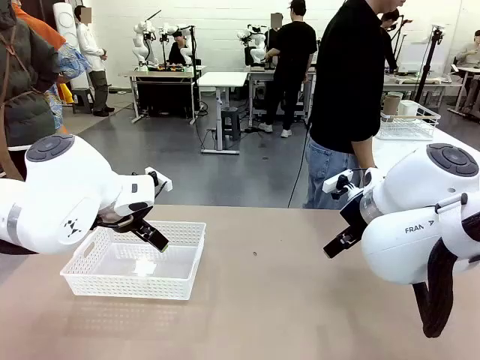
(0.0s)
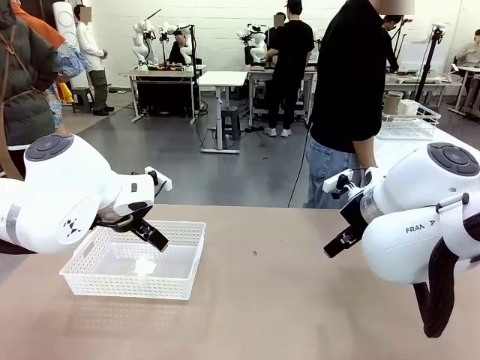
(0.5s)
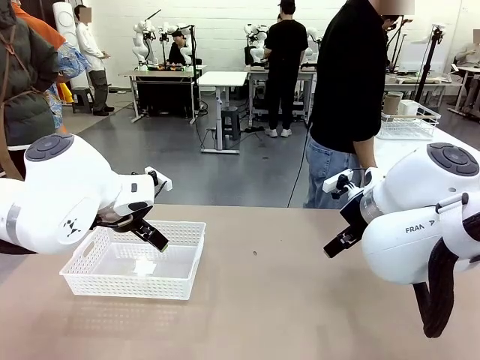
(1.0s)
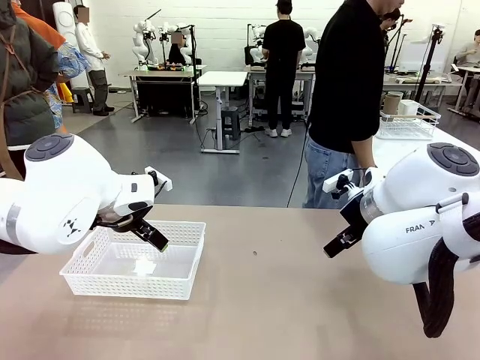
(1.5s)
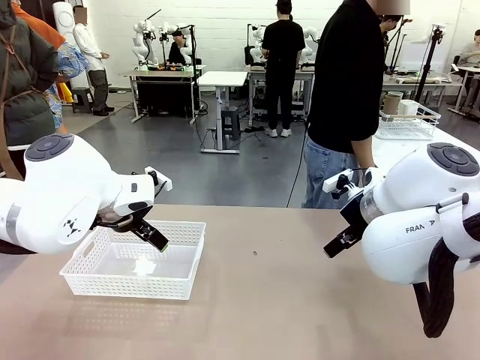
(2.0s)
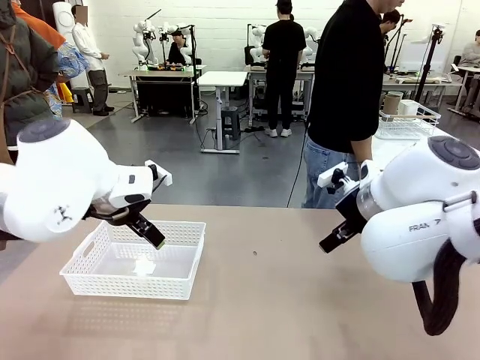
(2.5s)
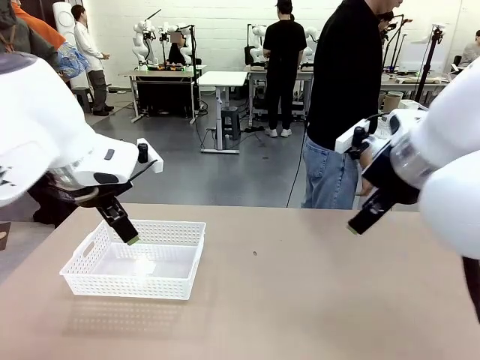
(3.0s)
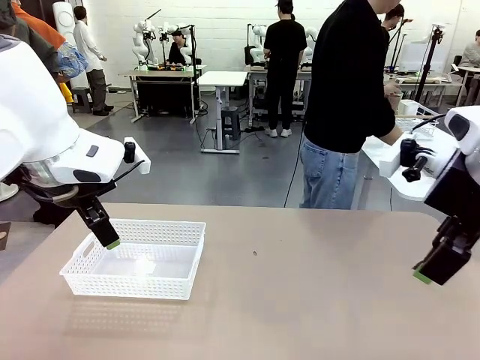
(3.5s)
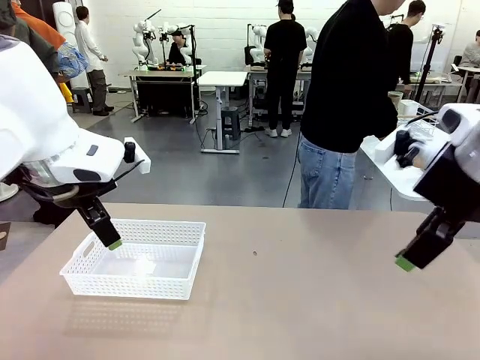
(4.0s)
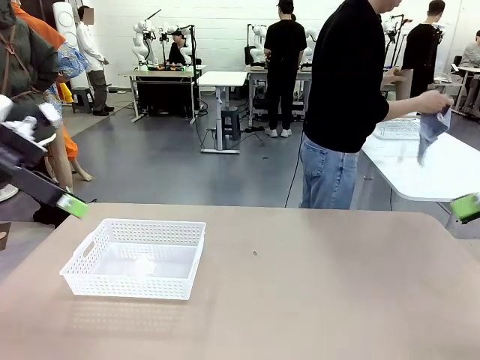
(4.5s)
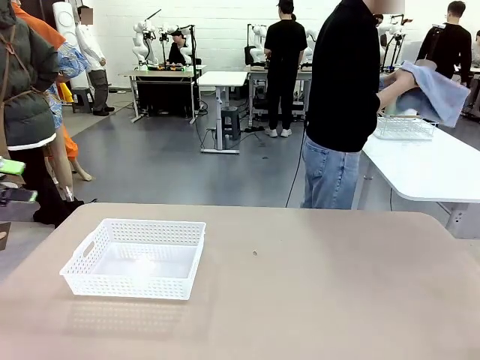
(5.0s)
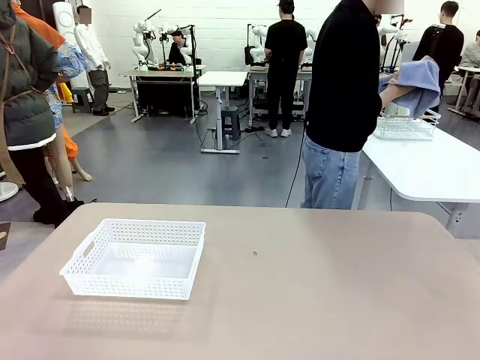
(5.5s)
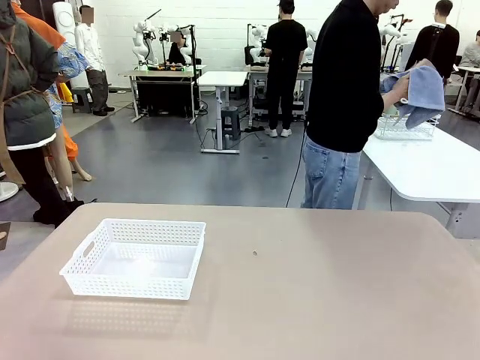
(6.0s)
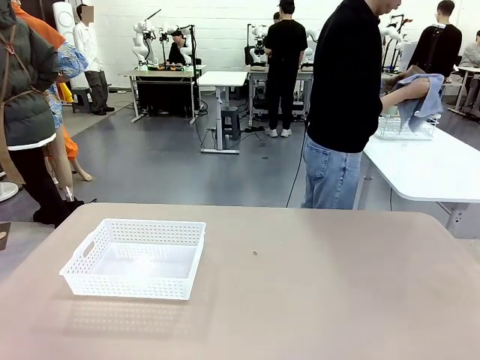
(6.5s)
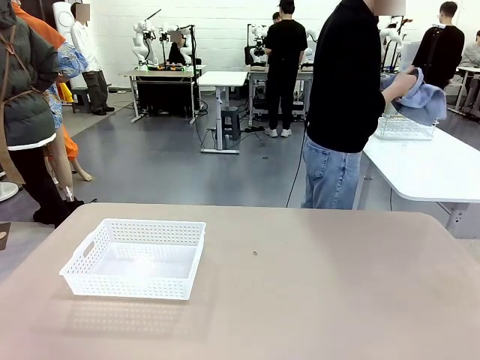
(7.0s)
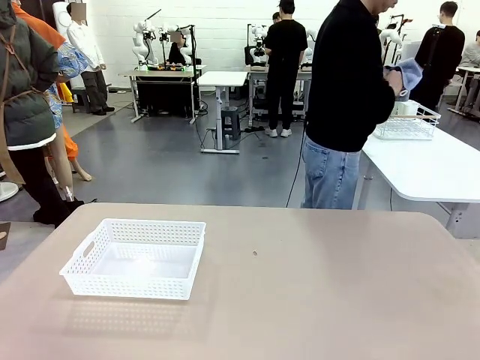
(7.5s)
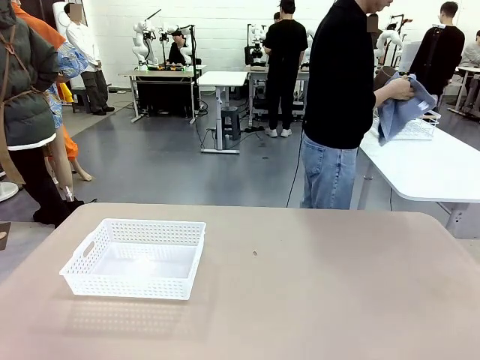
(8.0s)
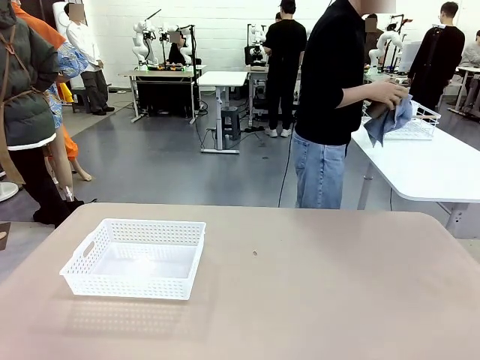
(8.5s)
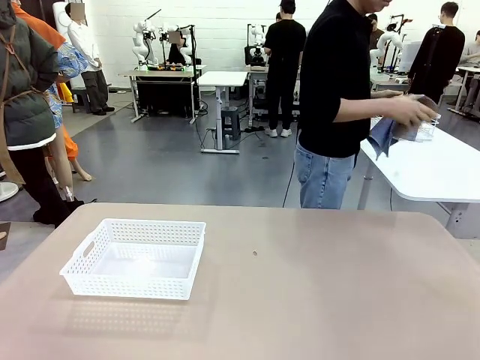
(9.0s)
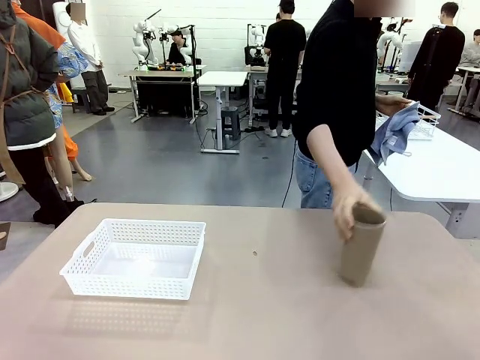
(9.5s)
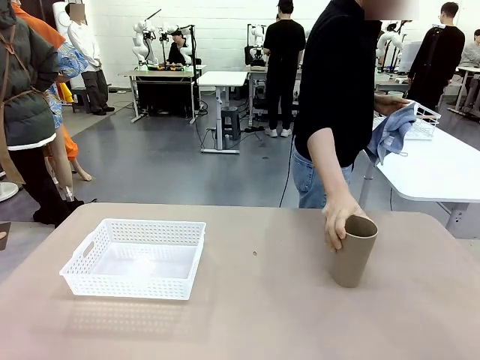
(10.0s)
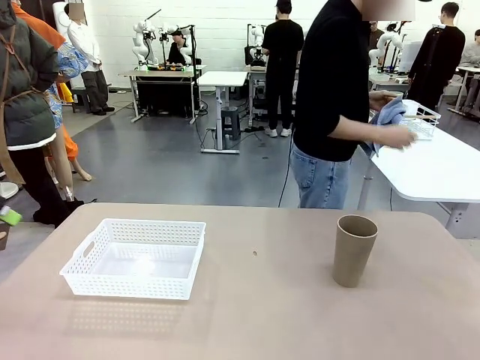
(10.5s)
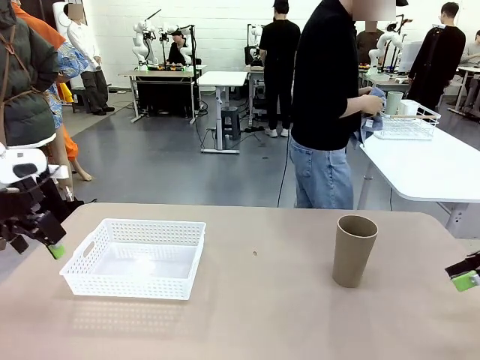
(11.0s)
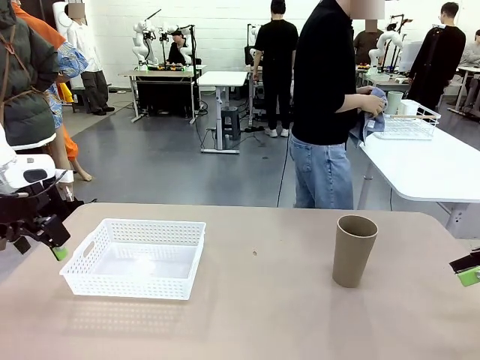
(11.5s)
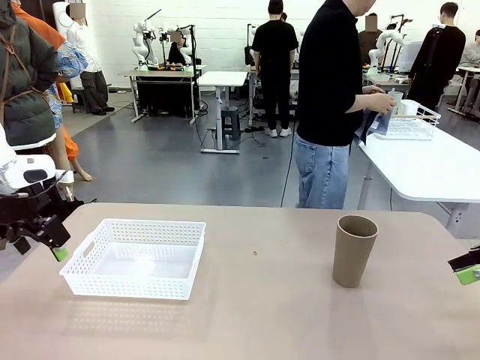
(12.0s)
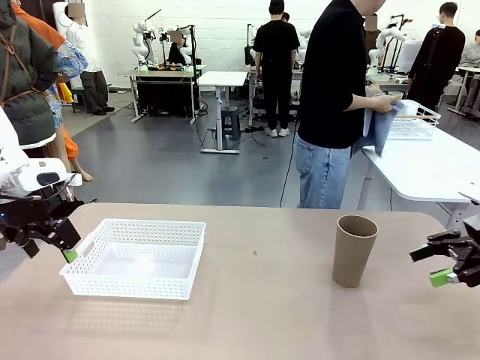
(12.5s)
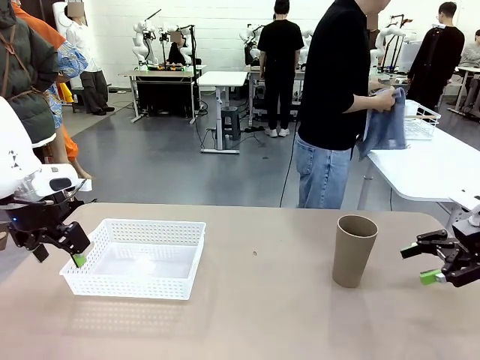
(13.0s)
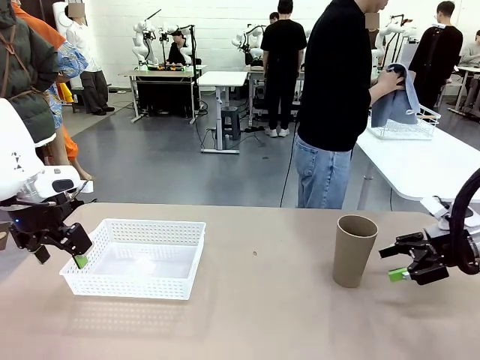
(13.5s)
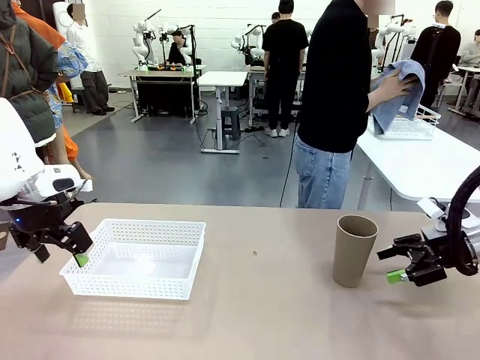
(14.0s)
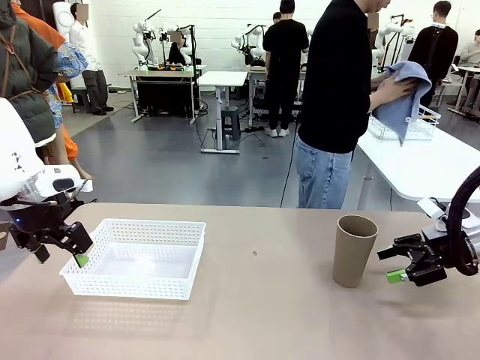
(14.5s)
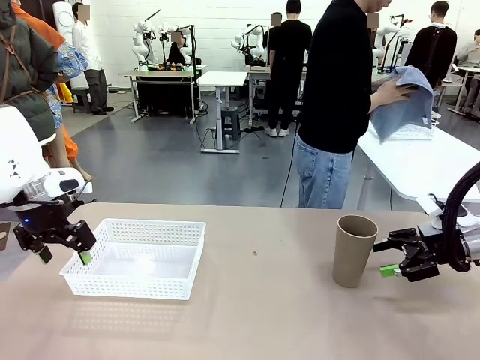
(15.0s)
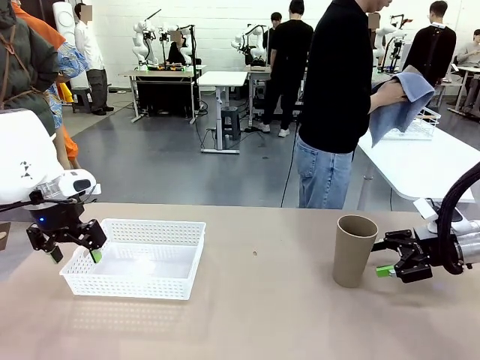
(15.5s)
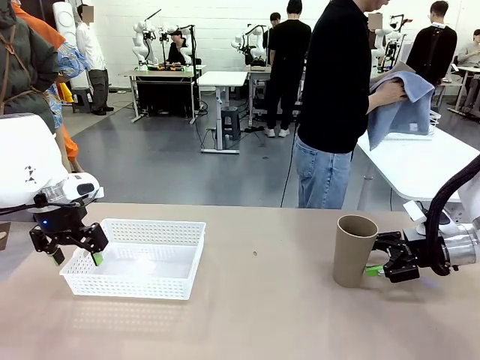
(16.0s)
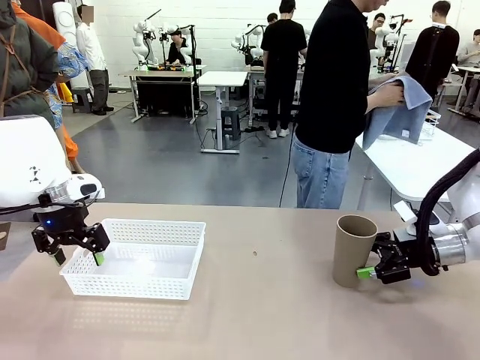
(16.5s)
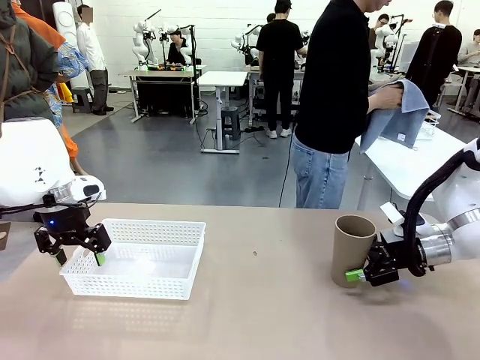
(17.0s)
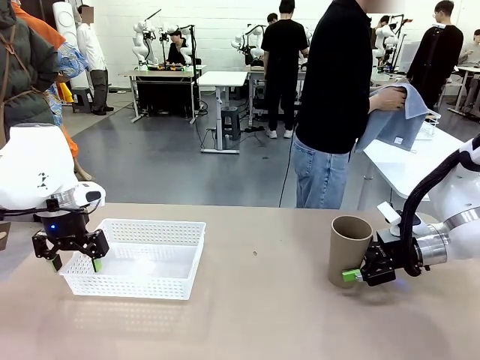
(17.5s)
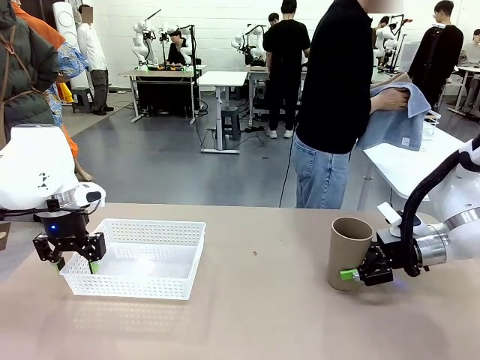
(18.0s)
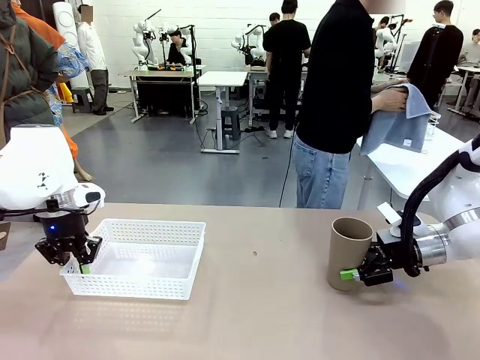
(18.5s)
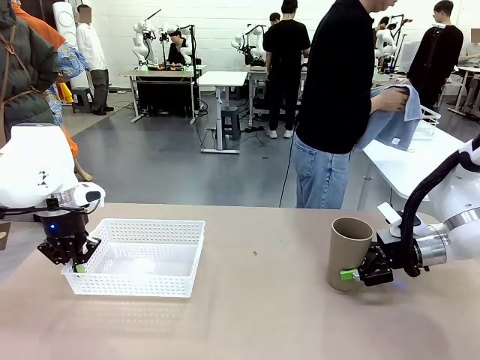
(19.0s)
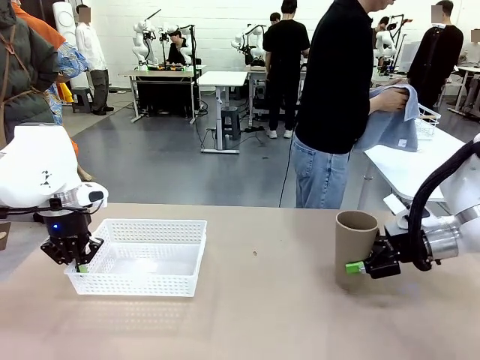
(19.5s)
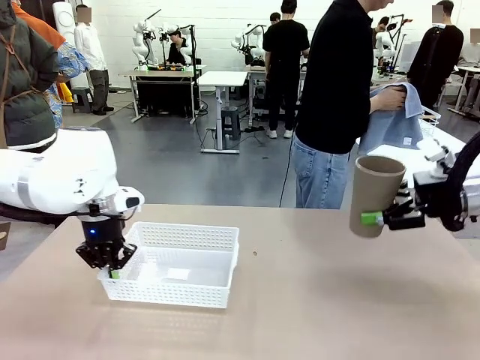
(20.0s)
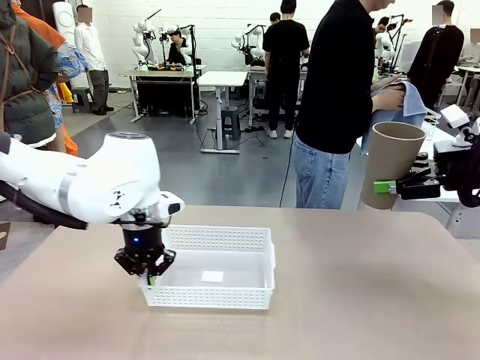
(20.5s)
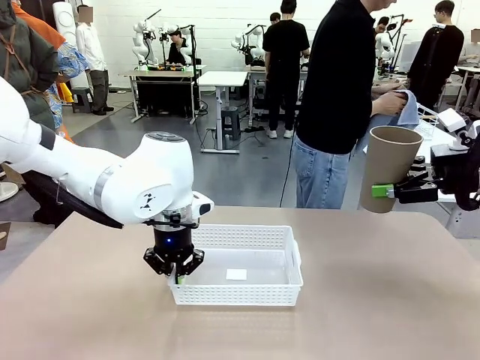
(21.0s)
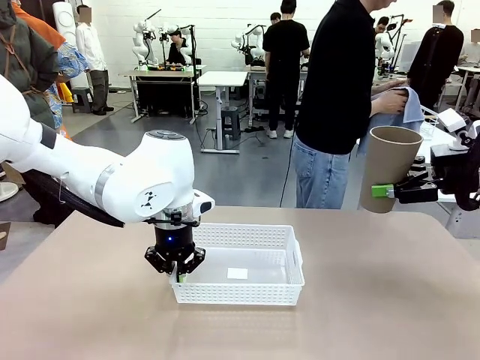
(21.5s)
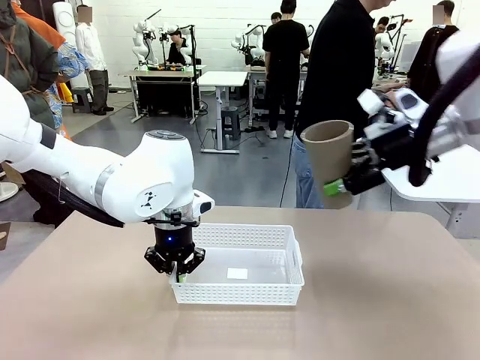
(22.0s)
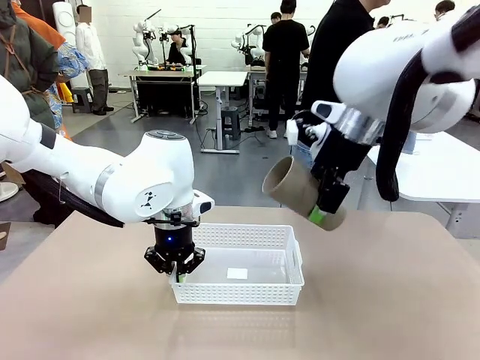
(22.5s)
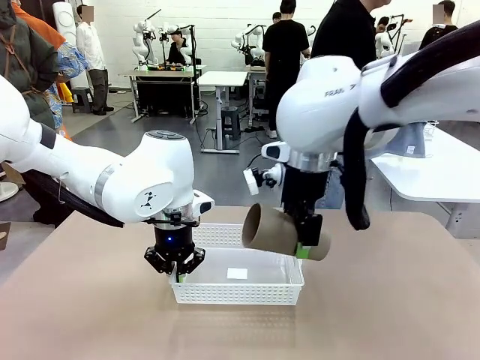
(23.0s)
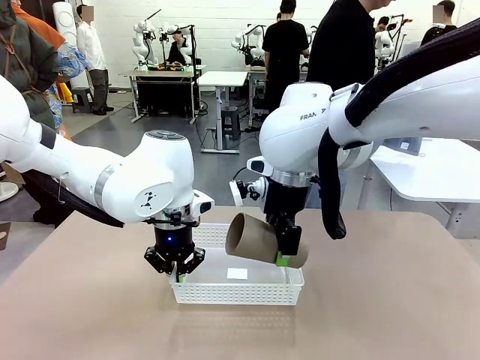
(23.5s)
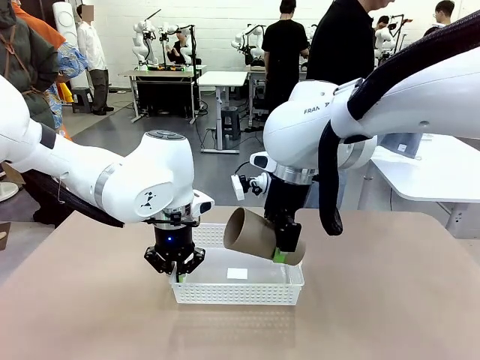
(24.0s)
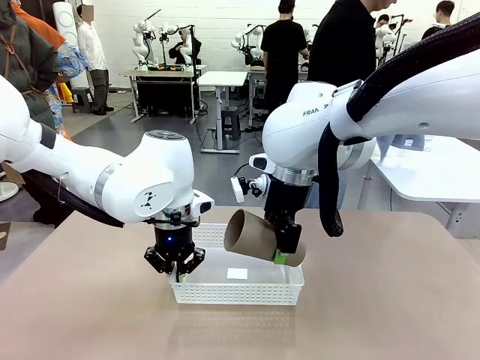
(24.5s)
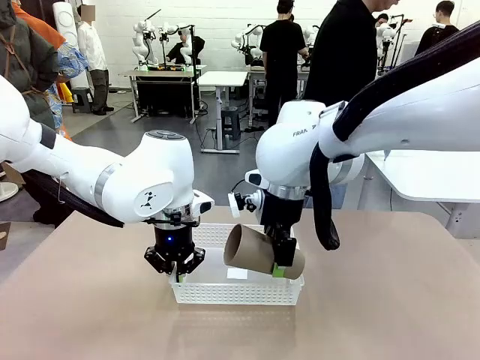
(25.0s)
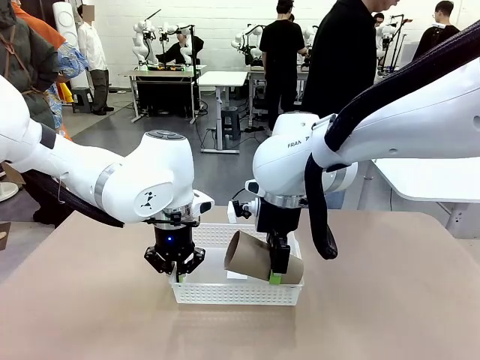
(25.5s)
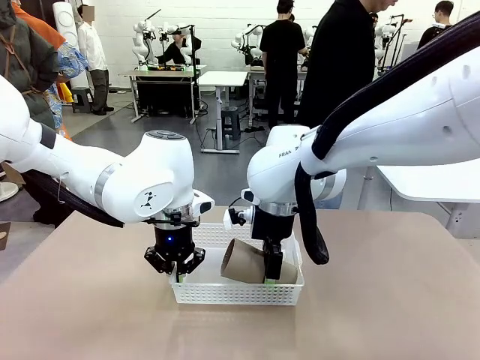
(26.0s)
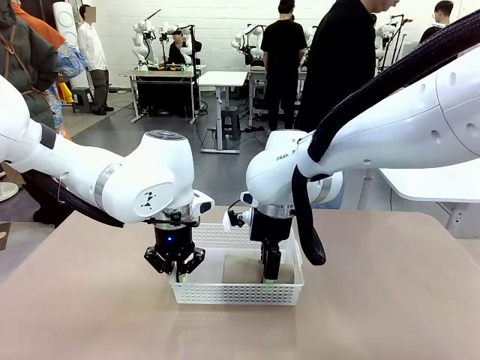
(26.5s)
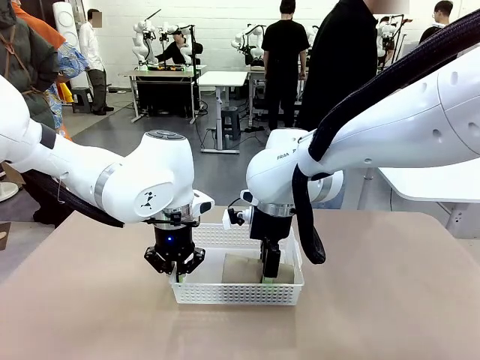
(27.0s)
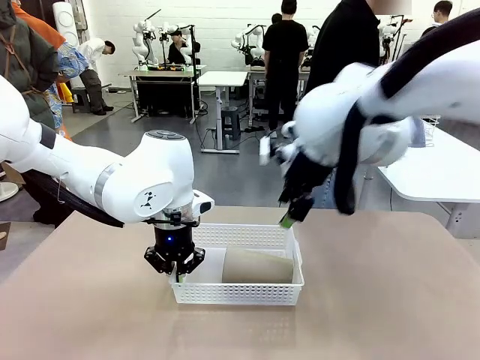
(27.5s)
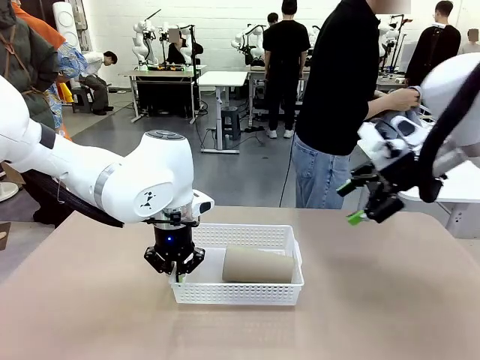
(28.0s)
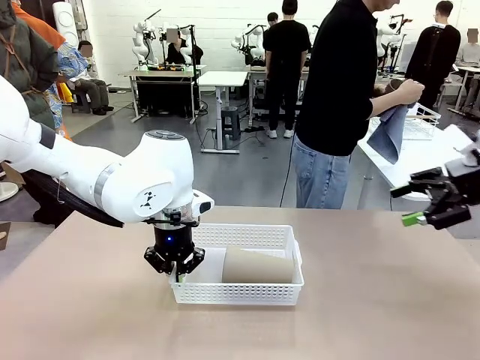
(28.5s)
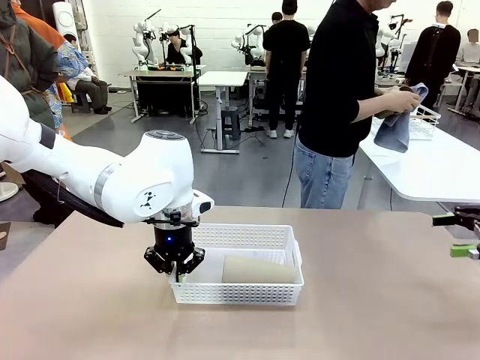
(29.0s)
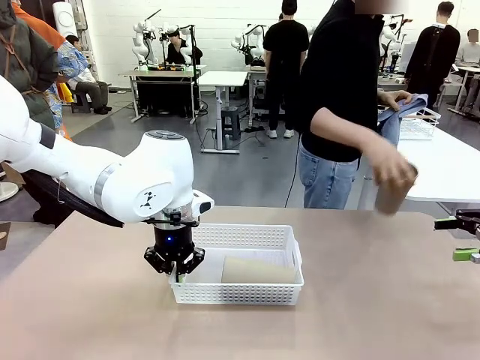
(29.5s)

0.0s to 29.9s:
Task: Clean and organize the cups into the basket.
Robot: Pick up the Organizing basket and move it to the center of the table, then pick up the Reusable plastic cup from the right side of the table and place it inside the Organizing basket.
Person: Picks up a cup and a towel, cleans the cup with the towel, and places it on the left side of the robot table. Picks up a cup from the drying rack, cleans the cup with the towel, and places it on the left side of the robot table.
